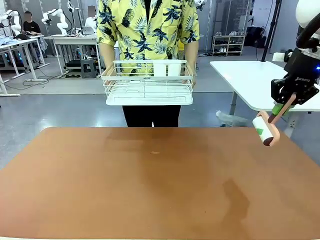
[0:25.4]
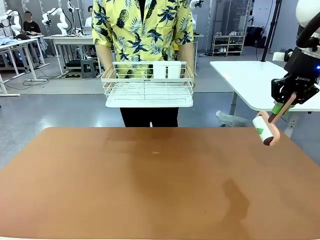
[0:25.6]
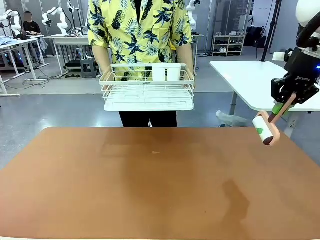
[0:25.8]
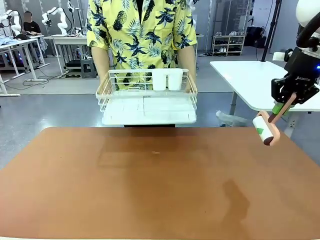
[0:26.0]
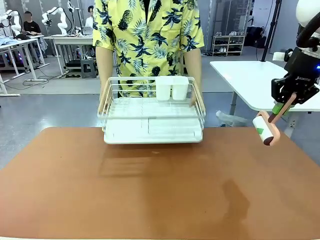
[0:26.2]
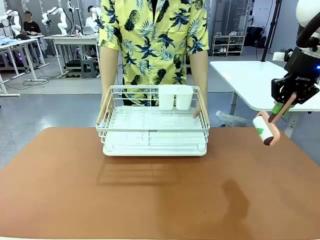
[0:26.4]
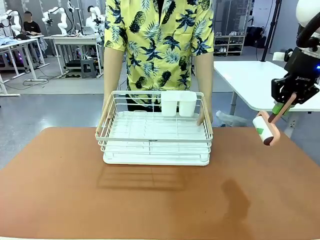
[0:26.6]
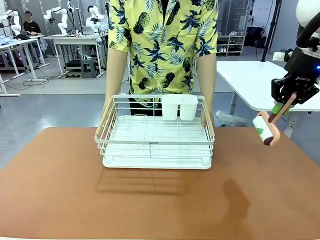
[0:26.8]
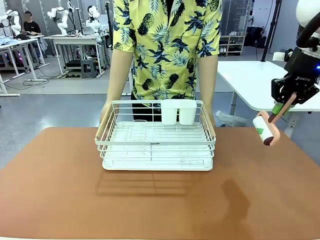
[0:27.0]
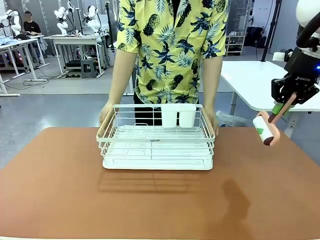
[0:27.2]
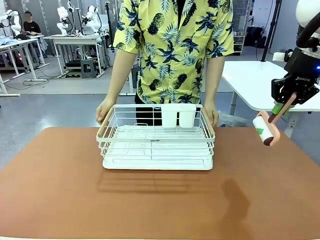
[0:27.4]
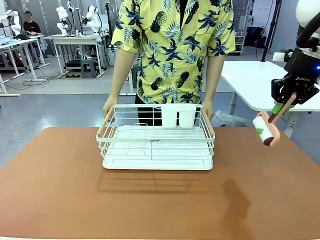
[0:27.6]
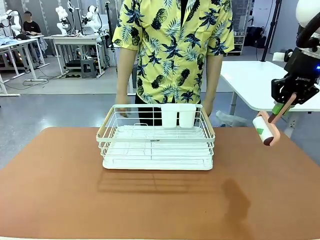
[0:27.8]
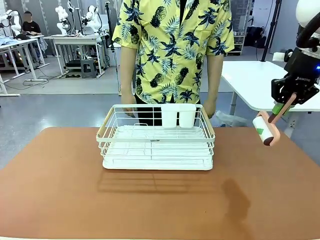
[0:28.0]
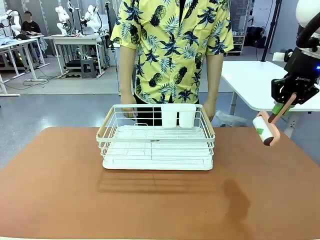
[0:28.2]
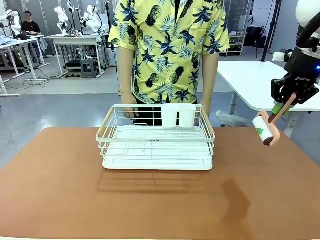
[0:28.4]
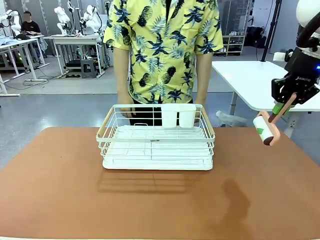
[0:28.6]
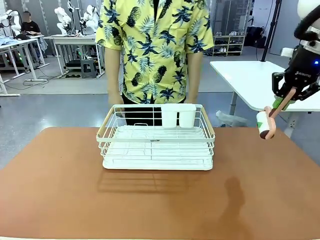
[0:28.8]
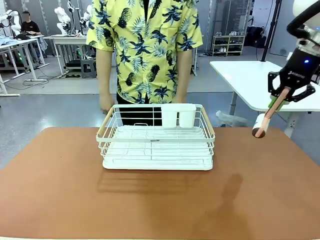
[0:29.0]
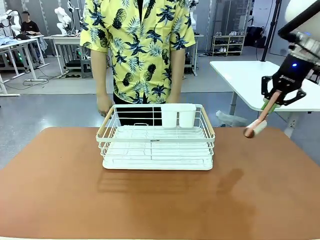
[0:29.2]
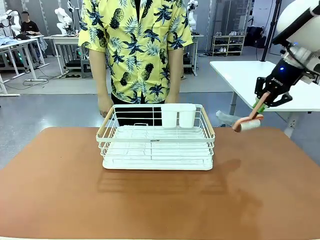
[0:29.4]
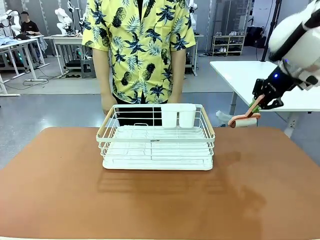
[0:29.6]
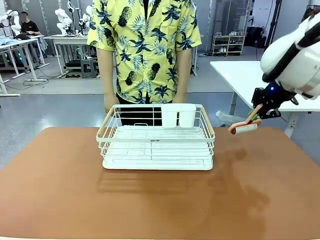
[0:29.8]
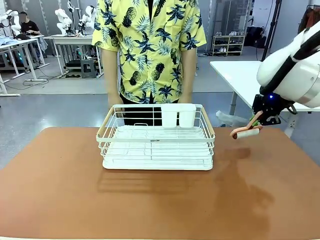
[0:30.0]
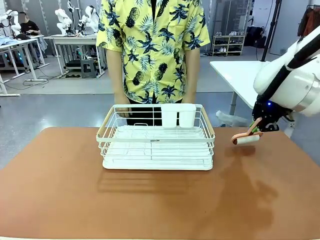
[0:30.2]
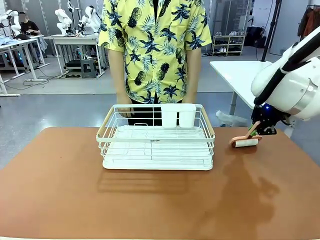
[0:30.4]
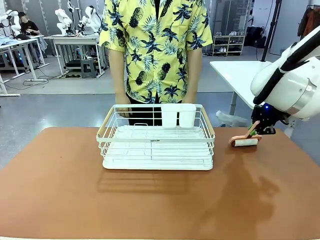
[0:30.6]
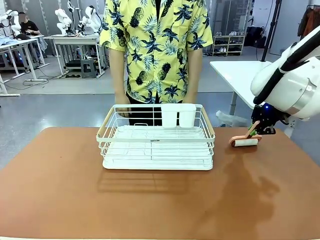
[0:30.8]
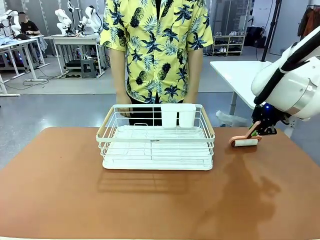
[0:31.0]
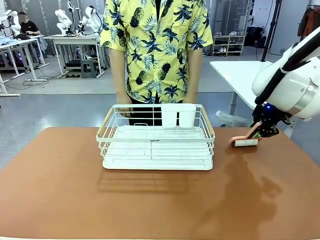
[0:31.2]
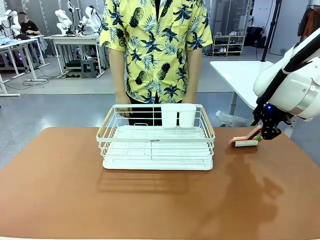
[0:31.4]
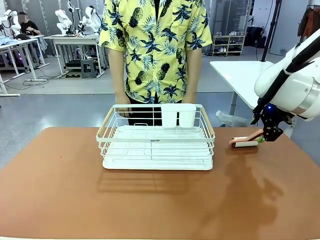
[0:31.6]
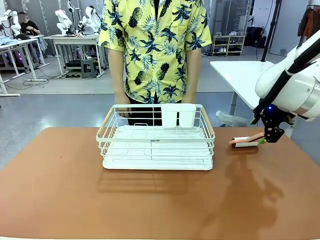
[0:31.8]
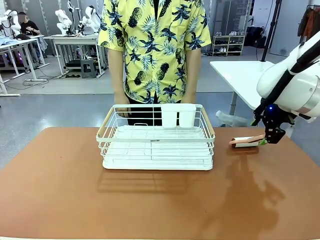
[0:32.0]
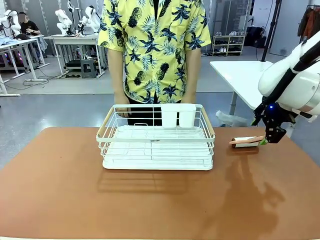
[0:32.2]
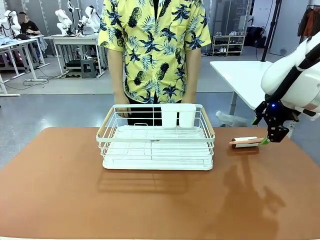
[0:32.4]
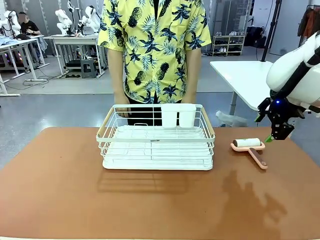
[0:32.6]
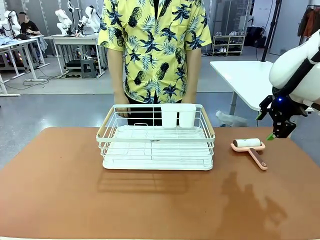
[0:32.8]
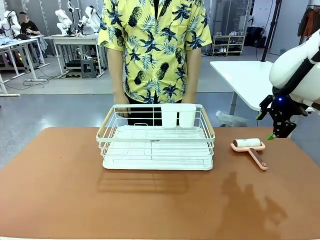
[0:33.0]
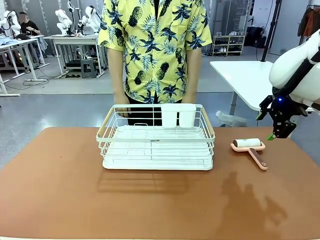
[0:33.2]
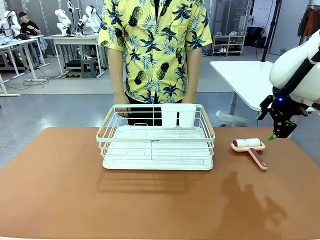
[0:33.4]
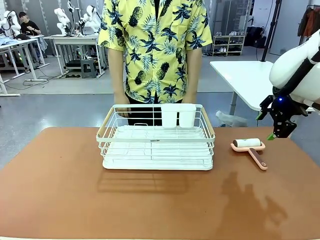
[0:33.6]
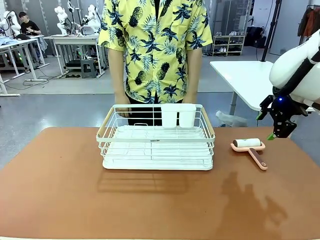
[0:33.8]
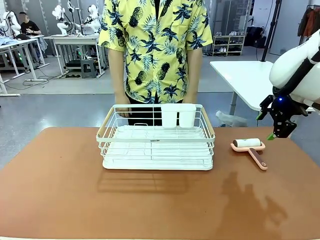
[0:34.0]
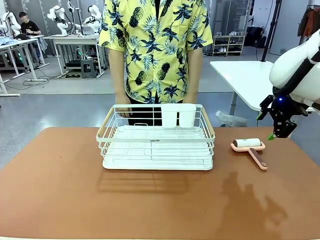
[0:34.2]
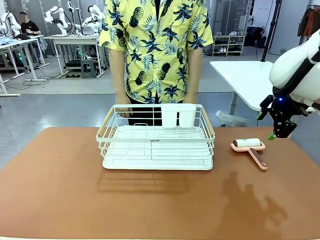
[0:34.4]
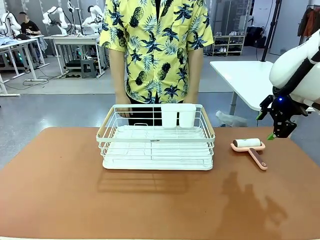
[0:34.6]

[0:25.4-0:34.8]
Task: Clean the table.
Robot: Place the Lint Roller down when the Dish drying rack is positioned in the middle of the table.
Person: Place the Dish drying rack down when the robot finishes cleaning.

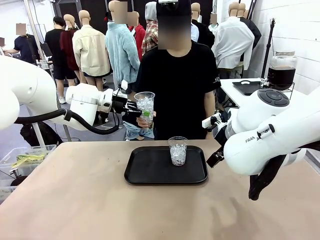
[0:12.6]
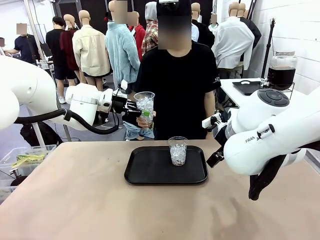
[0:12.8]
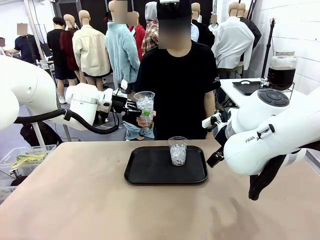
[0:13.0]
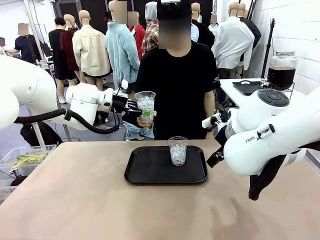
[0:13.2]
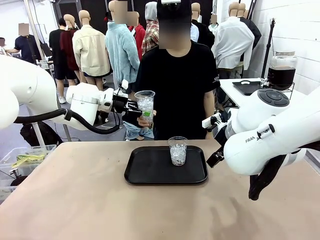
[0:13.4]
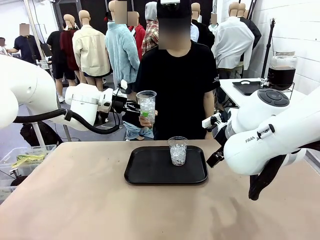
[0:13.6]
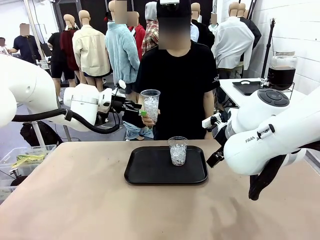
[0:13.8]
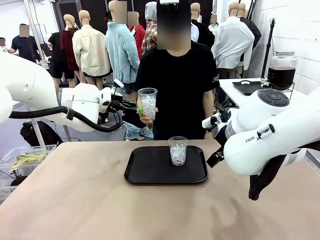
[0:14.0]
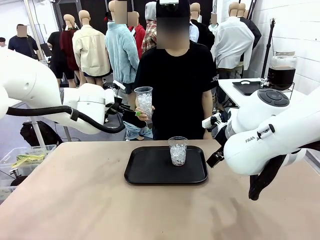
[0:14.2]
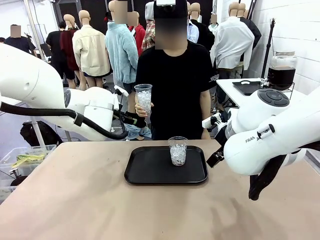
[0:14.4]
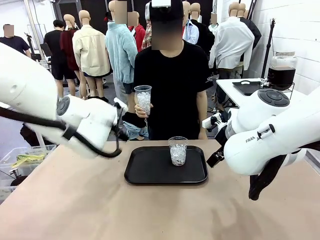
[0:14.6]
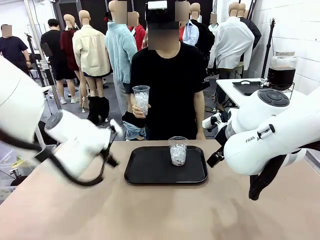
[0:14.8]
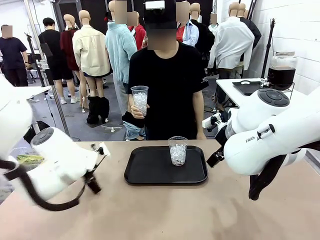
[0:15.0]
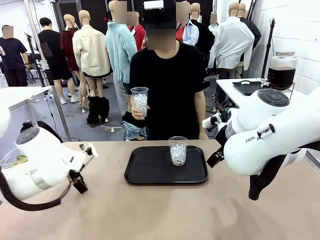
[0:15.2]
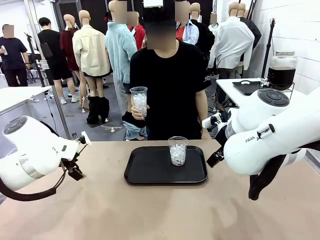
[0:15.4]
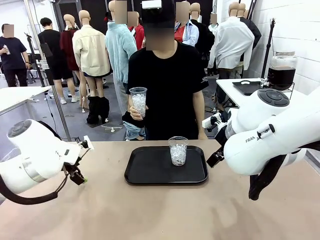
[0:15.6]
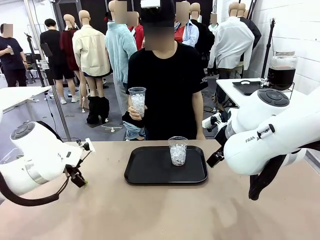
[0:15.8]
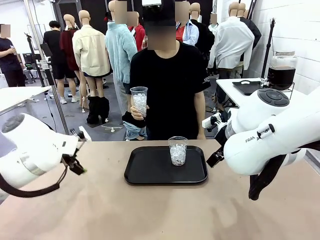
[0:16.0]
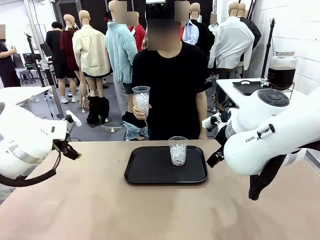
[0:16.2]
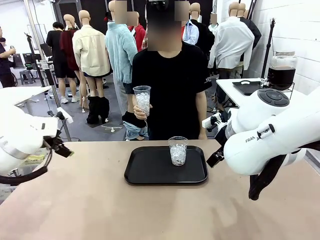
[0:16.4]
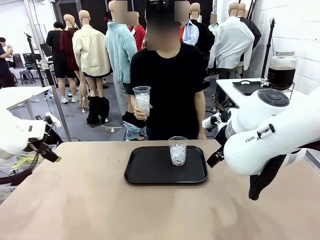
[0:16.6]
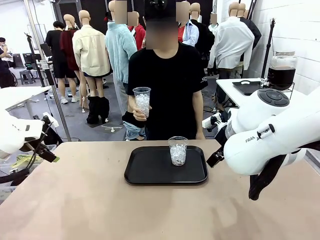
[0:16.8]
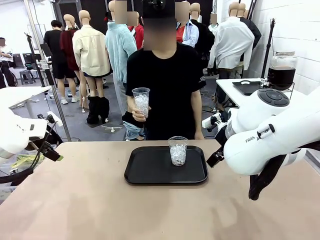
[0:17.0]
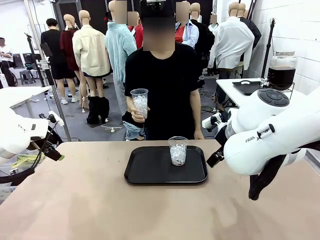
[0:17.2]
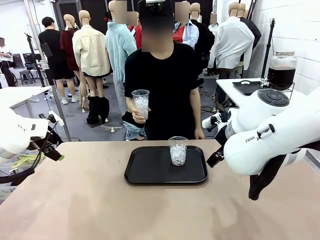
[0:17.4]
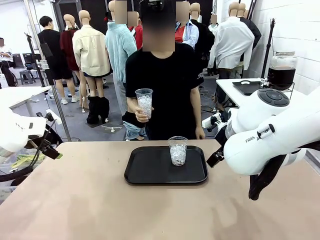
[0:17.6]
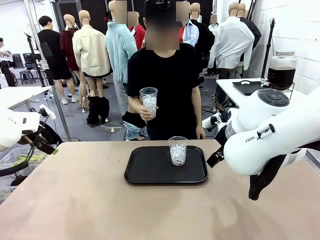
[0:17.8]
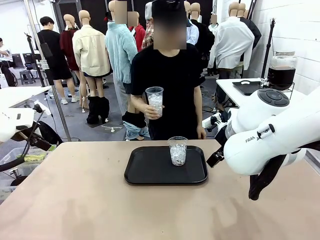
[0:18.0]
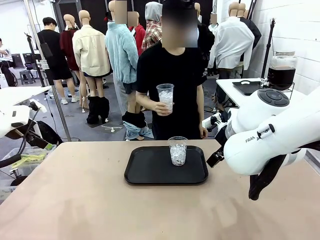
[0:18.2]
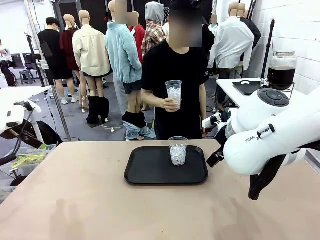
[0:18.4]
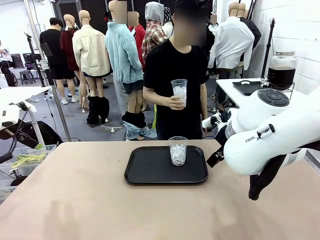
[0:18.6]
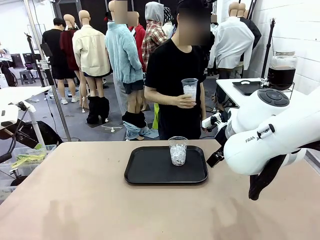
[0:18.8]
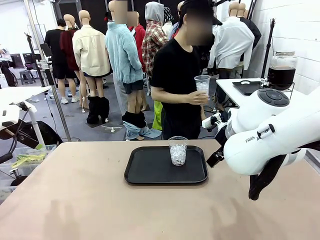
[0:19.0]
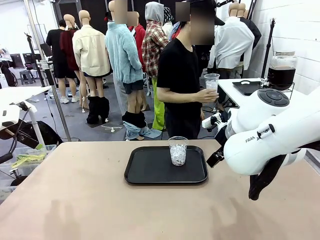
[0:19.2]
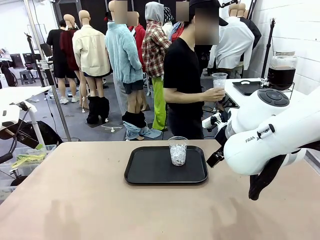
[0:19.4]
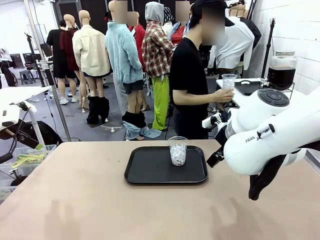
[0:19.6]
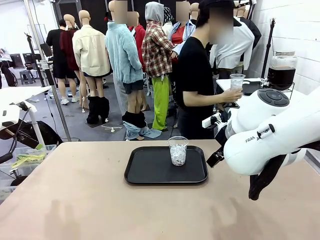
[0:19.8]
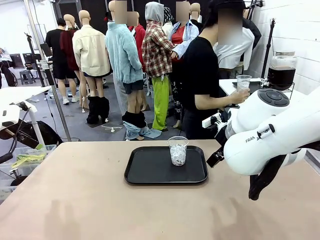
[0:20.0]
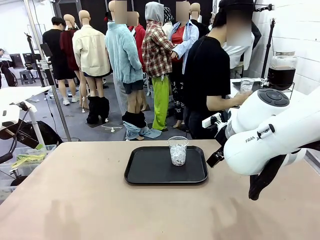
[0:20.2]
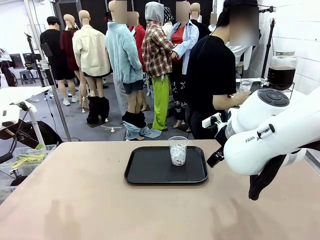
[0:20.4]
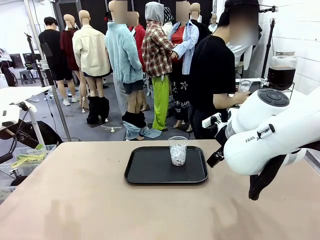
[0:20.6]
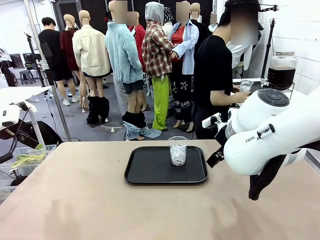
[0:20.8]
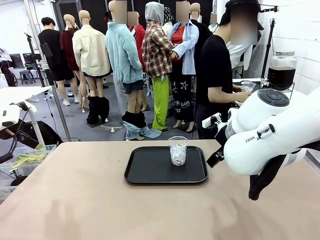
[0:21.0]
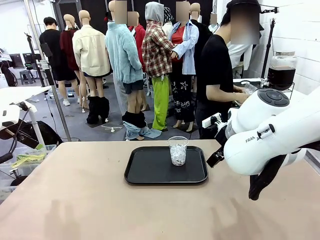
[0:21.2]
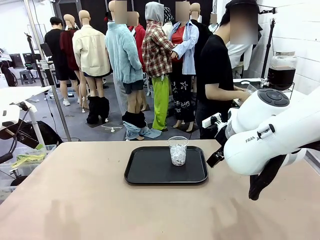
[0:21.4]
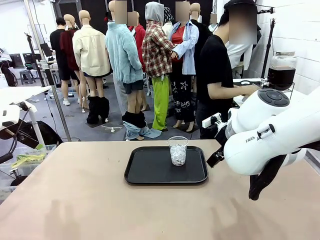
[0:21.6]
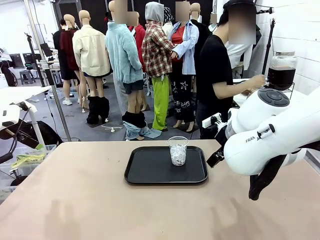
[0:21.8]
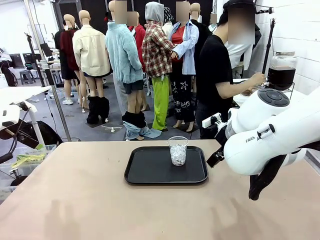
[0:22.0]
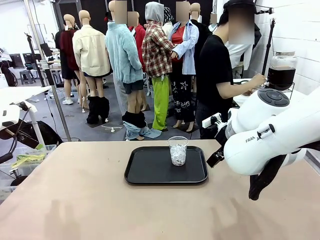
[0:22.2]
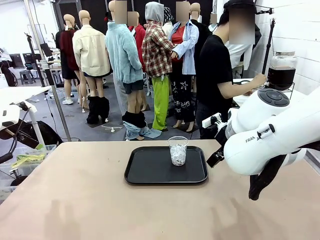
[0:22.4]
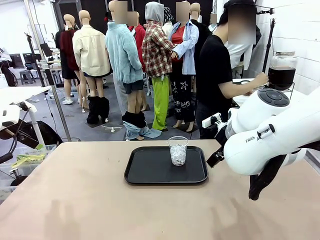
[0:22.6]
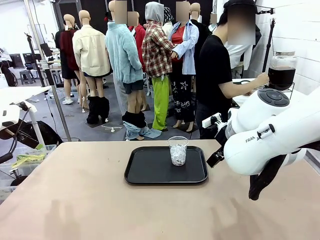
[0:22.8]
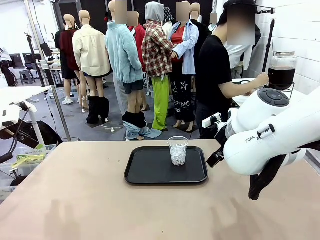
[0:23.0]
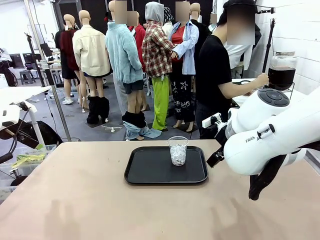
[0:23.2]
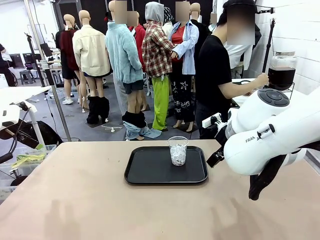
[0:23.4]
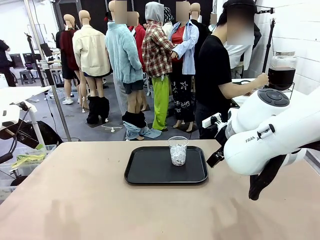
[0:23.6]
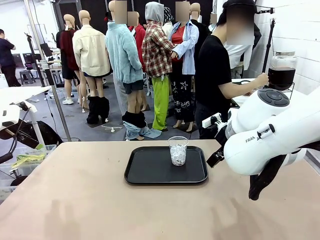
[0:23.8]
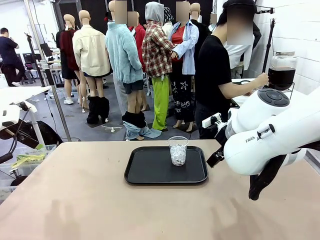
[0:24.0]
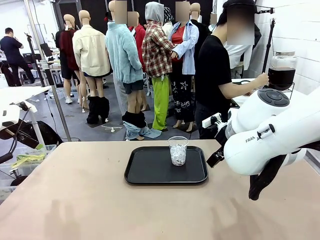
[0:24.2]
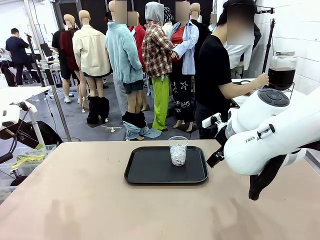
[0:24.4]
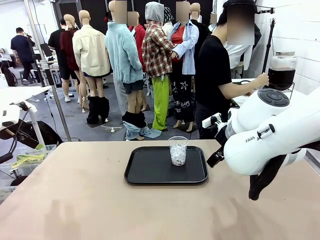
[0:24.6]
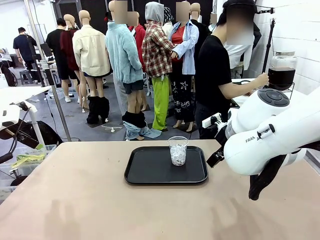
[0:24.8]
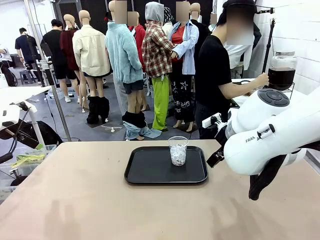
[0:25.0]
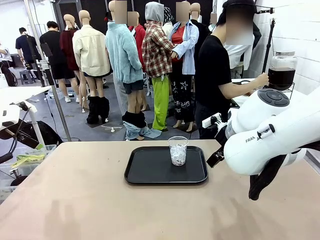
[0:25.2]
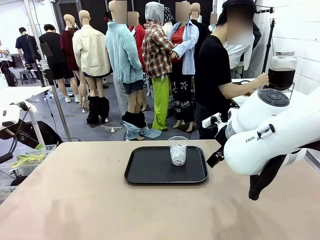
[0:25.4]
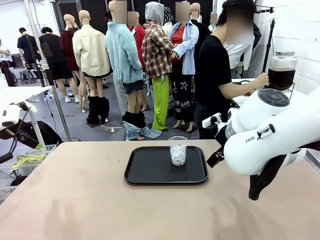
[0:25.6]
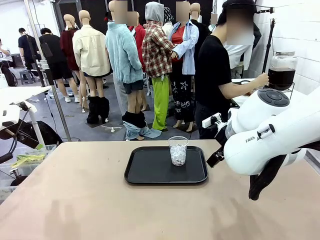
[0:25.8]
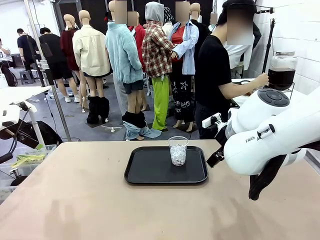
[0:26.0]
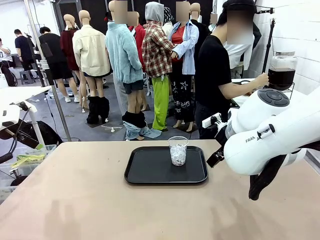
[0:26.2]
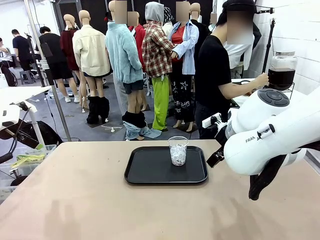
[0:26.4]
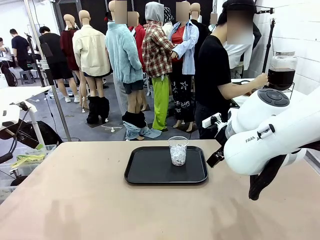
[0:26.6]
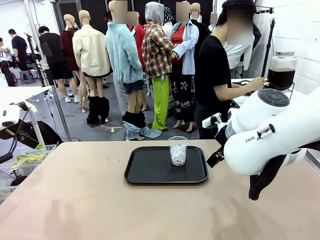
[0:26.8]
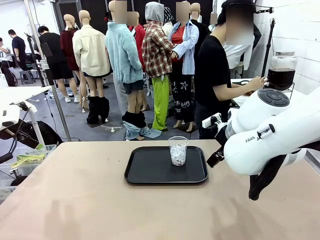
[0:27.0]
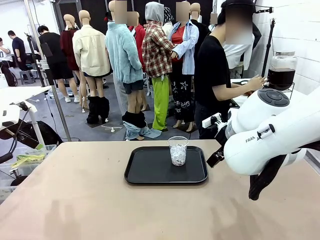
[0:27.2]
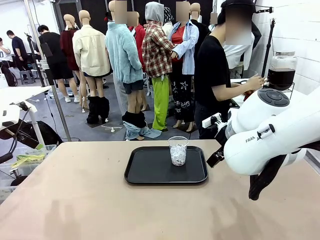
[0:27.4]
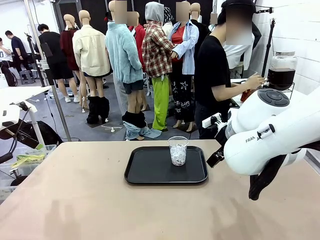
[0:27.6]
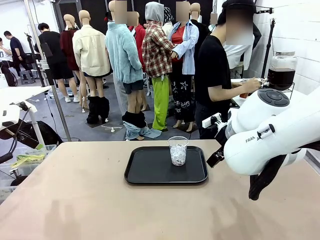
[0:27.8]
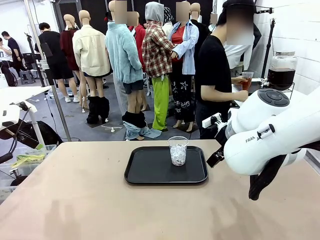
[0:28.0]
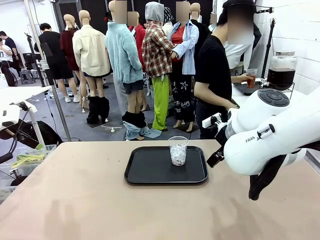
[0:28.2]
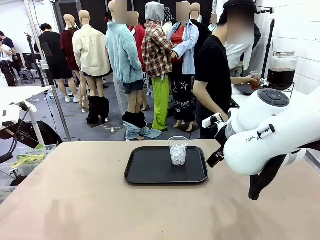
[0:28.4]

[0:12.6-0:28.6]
Task: Pour the drink into the iced cup.
Robot: Pick up the iced cup indicated by the human and present it to them.
Person: Move the picked-up cup under the dispenser faucet, pour the drink, and place it on the tray on the human table.
